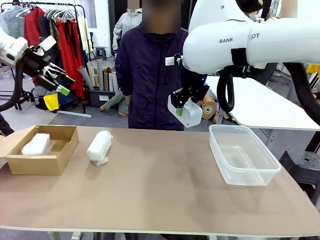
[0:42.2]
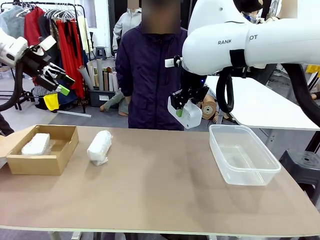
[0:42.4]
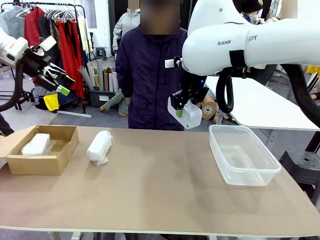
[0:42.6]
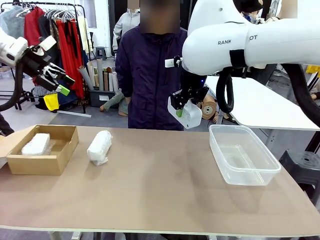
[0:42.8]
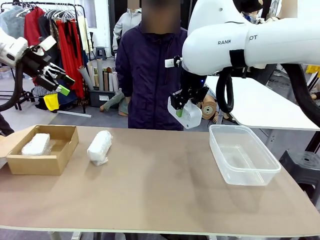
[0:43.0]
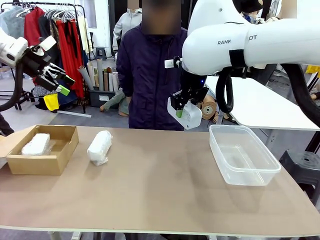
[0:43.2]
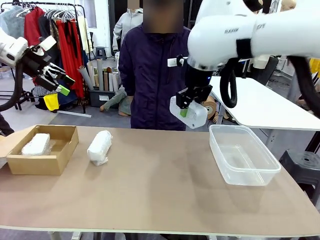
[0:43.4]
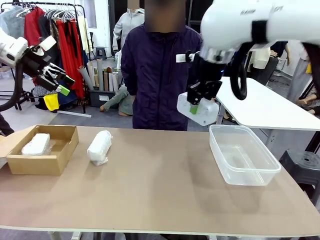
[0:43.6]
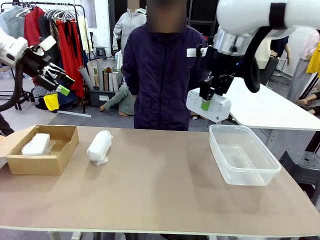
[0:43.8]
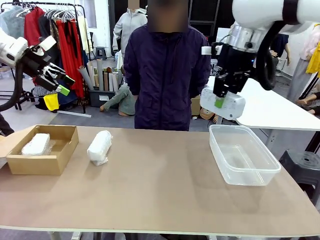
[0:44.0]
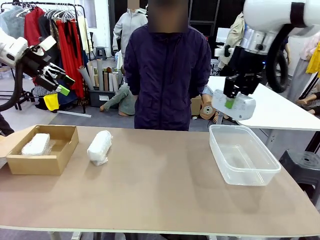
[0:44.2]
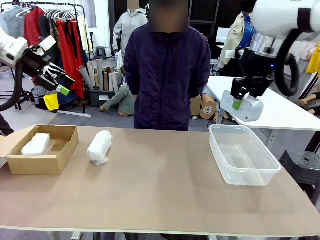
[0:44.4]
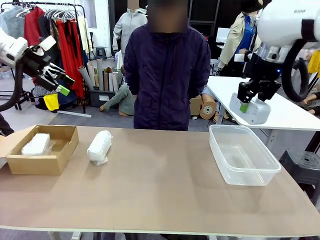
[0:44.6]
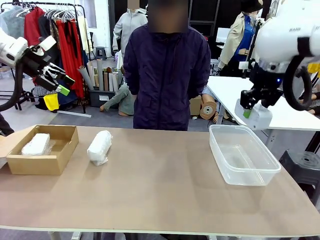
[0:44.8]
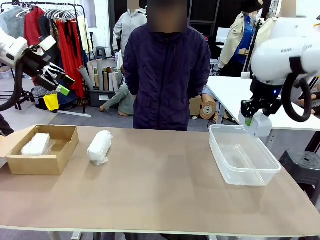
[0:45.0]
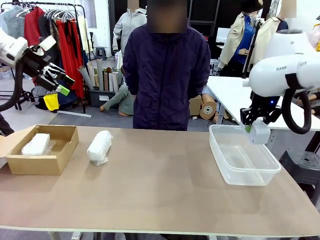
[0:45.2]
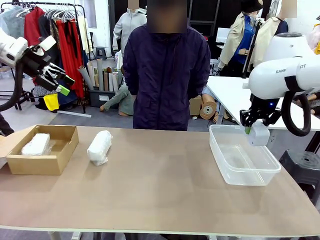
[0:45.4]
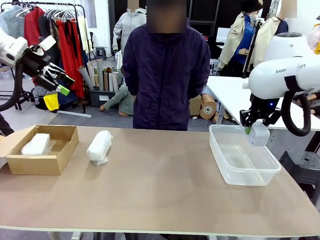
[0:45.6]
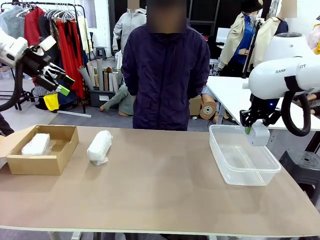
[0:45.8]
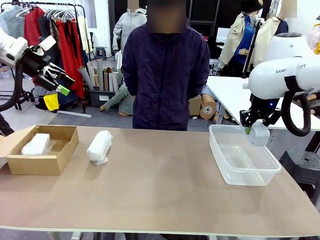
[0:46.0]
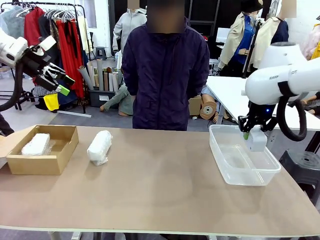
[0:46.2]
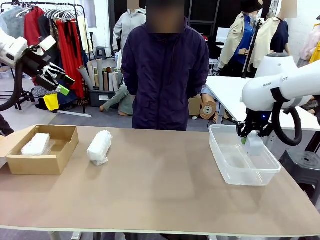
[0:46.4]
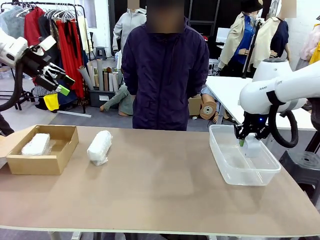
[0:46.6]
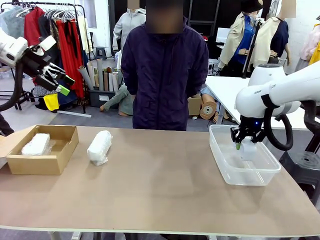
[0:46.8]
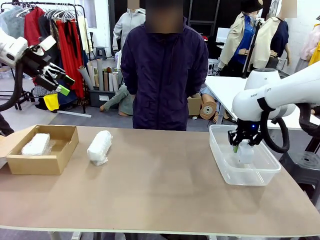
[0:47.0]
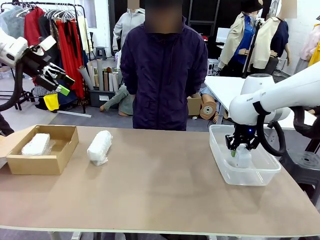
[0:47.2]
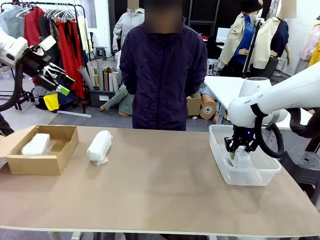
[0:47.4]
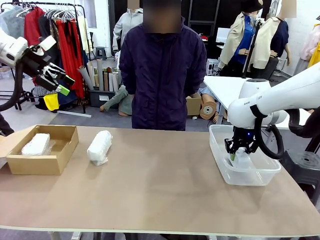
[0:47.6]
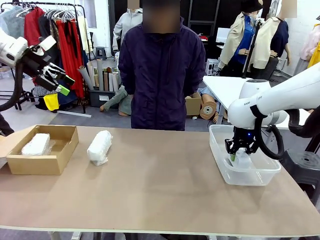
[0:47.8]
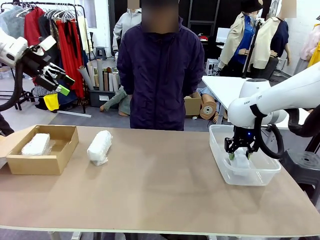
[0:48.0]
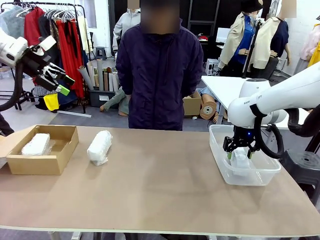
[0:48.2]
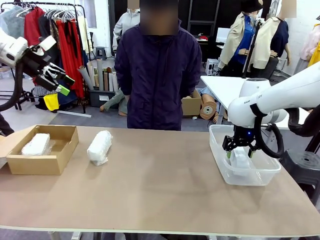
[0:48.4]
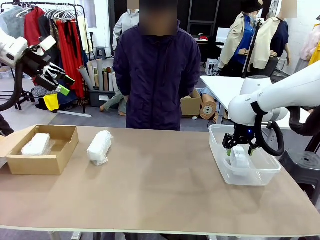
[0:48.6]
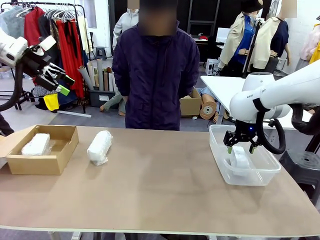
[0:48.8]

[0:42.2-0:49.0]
Task: Separate and place wrapped and unwrapped clocks.
Robot: If the picked Digital clock is wrapped, place it in the Package Box ; if not, place it in the Organizing box.

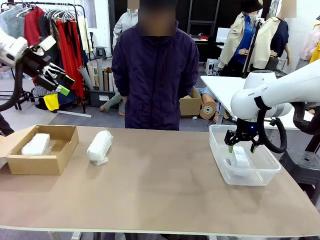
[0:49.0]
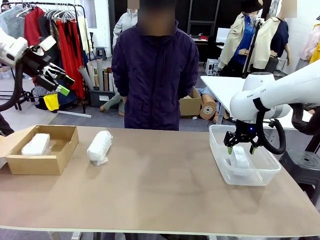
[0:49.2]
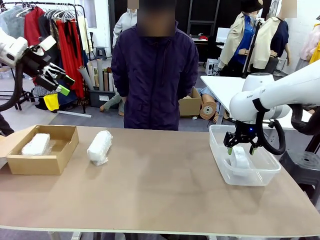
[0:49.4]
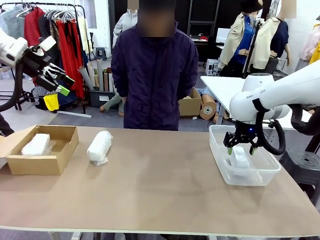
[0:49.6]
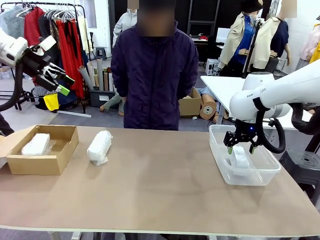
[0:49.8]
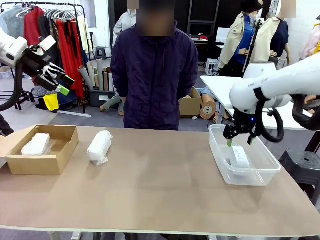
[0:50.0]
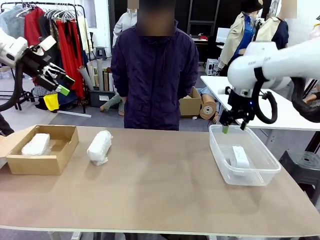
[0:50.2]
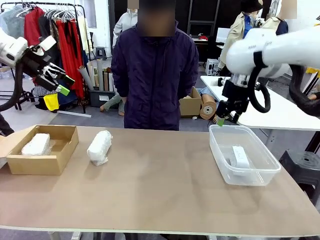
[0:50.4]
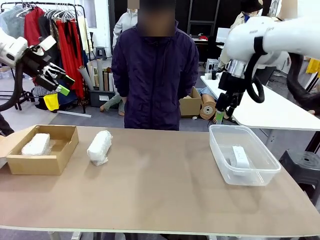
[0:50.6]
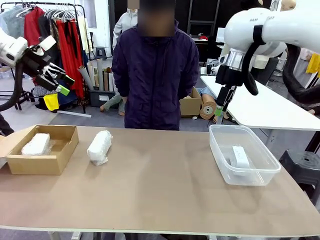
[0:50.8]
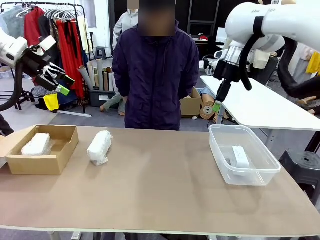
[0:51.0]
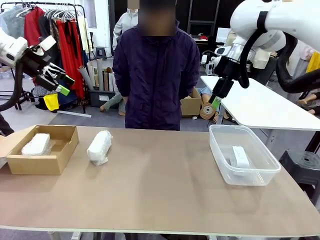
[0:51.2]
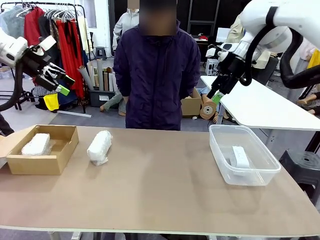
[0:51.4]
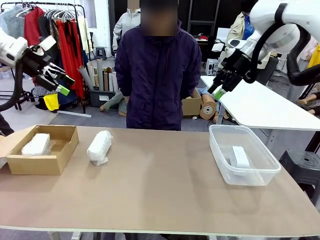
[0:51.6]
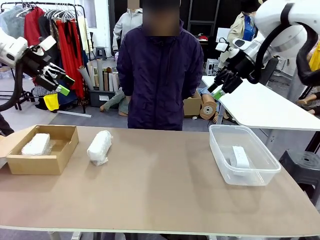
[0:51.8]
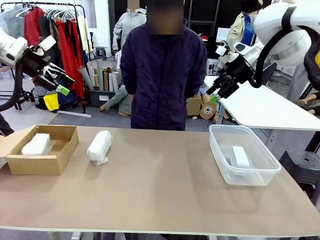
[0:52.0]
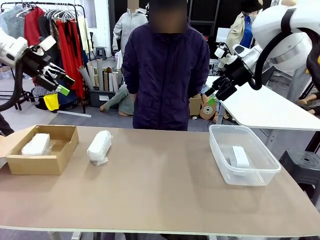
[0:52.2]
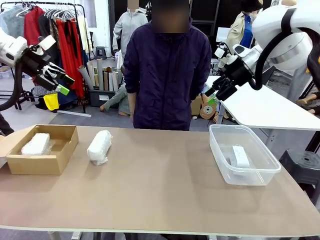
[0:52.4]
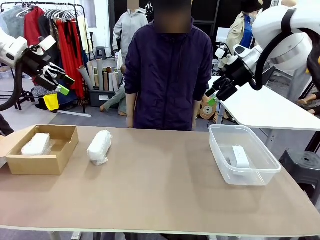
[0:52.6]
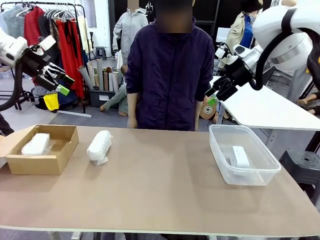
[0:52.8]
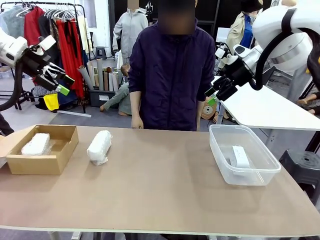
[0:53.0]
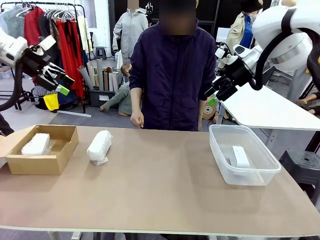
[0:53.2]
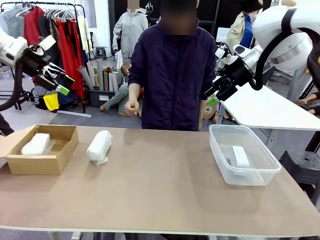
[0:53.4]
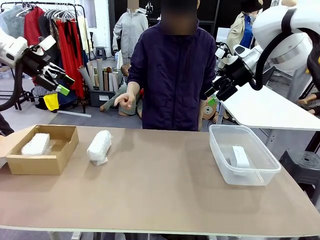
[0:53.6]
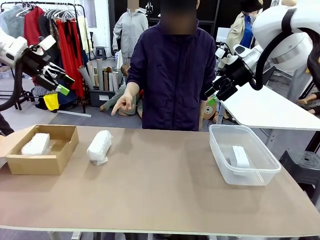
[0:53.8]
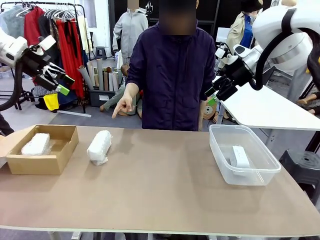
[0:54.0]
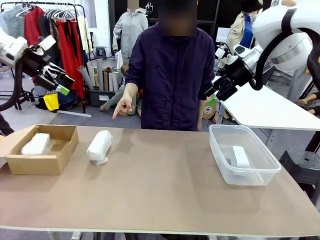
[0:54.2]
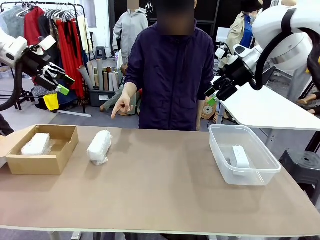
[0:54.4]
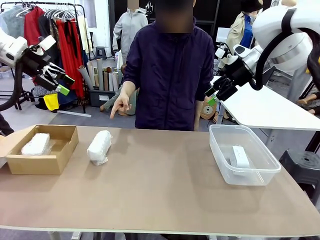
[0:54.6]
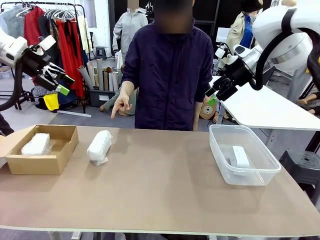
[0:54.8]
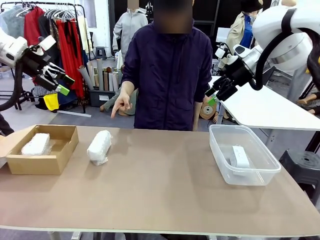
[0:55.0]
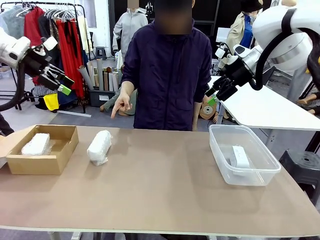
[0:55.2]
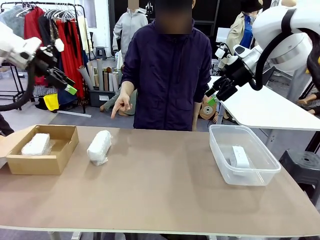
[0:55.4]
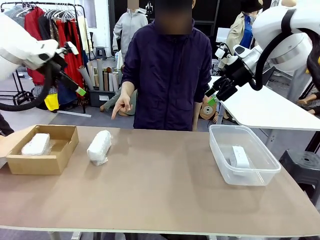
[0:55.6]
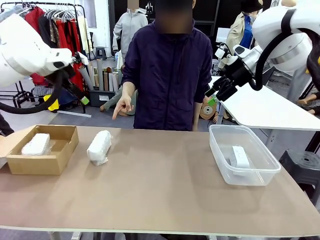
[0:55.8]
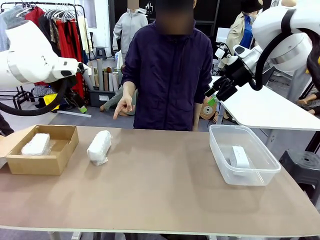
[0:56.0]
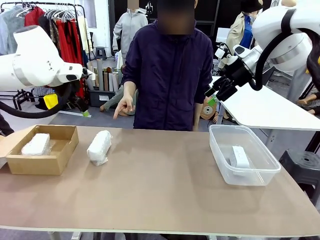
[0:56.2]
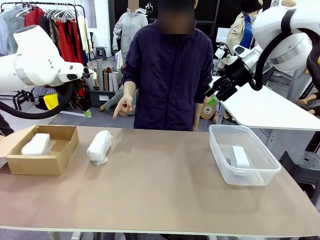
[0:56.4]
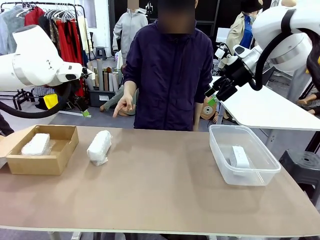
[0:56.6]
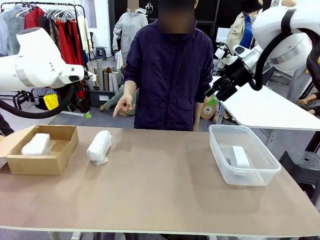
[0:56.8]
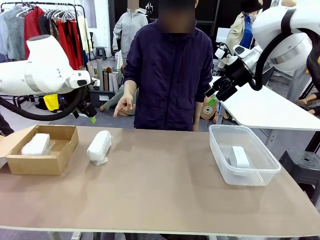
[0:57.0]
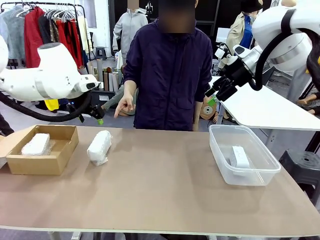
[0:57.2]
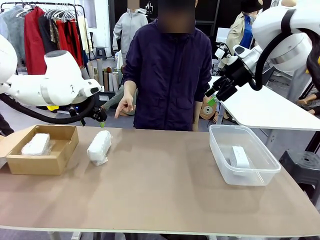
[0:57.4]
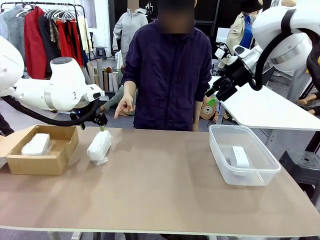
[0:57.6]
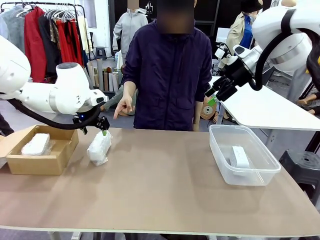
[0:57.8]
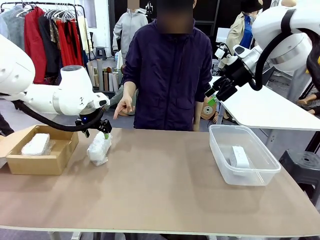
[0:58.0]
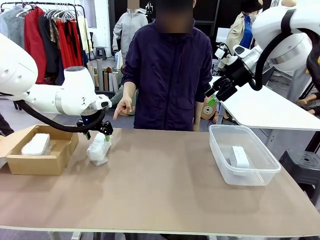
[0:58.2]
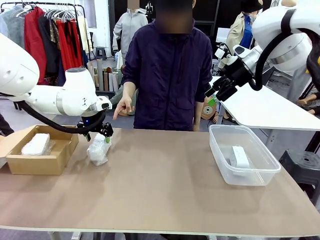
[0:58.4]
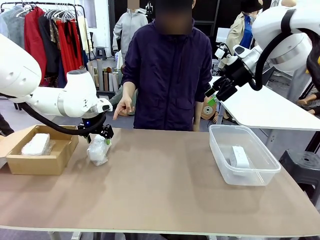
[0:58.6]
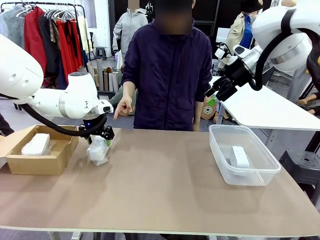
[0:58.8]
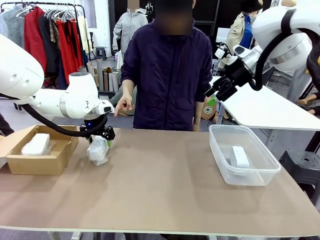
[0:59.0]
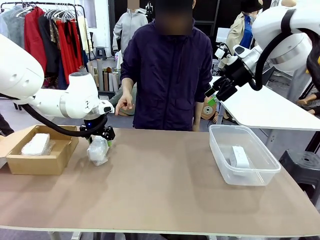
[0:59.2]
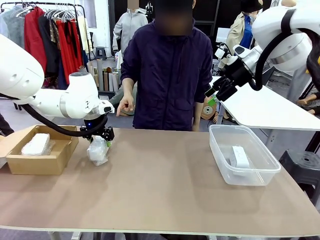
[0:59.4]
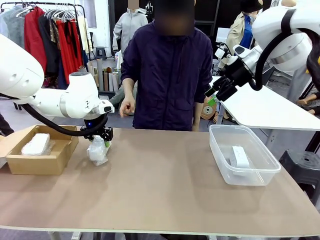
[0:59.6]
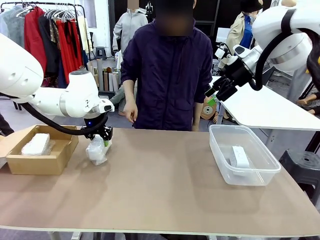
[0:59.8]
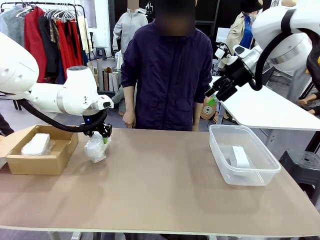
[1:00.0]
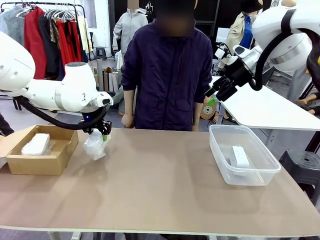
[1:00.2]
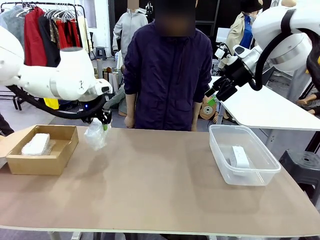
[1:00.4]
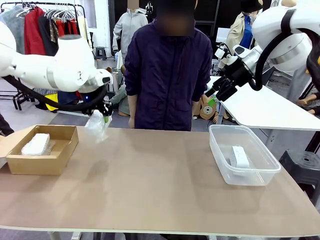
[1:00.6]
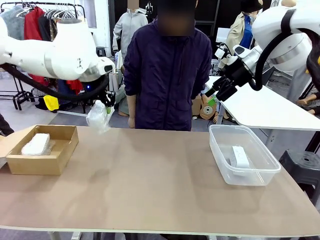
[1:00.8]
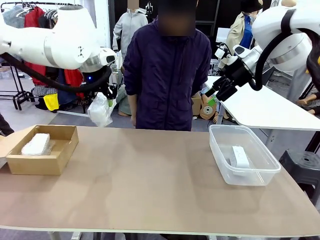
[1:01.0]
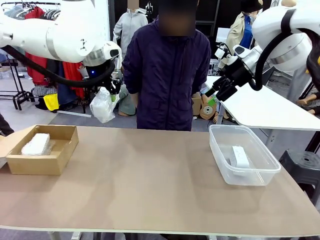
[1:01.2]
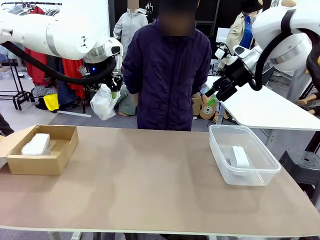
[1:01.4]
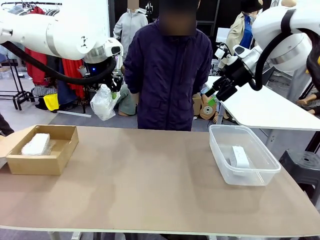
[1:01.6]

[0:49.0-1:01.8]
Robot: Pick up the Digital clock indicated by the person.
